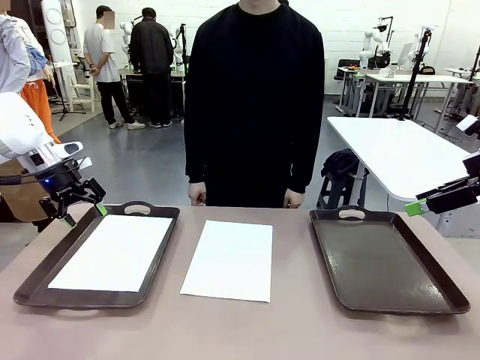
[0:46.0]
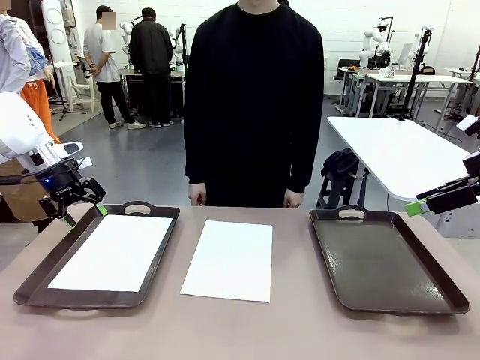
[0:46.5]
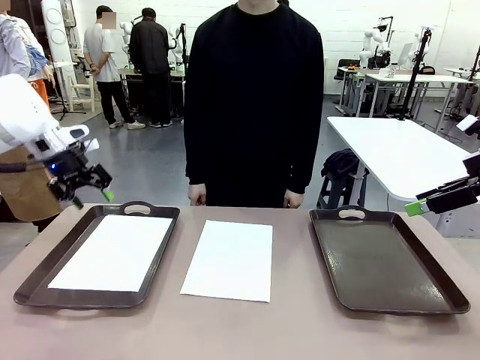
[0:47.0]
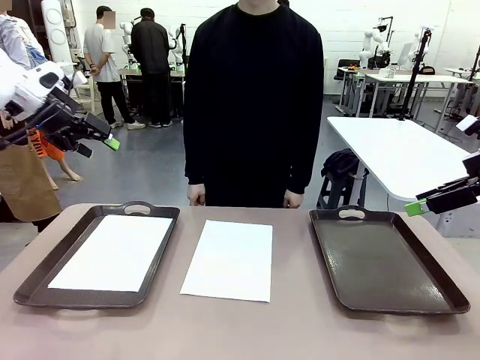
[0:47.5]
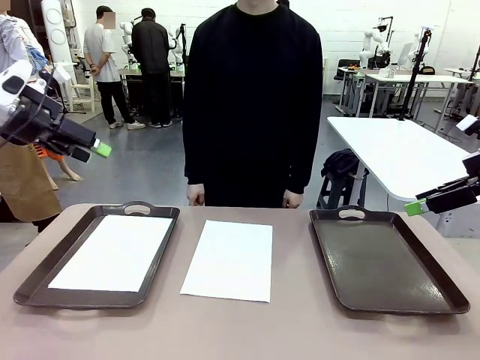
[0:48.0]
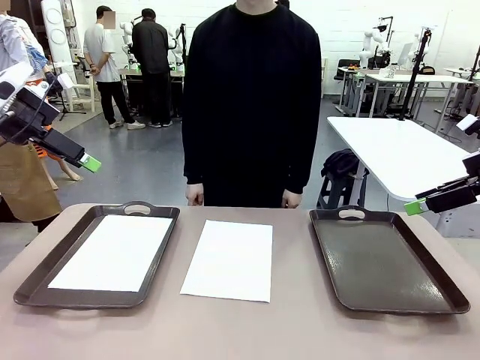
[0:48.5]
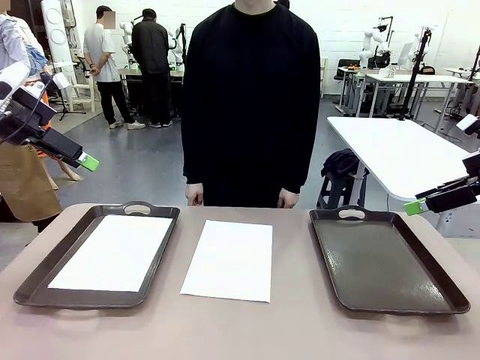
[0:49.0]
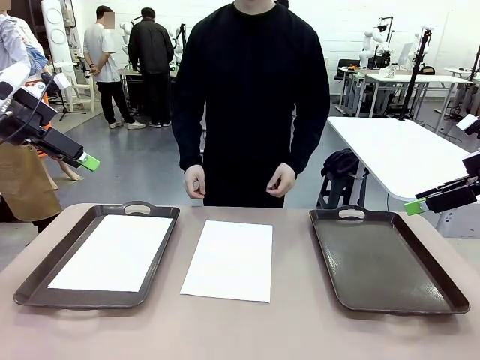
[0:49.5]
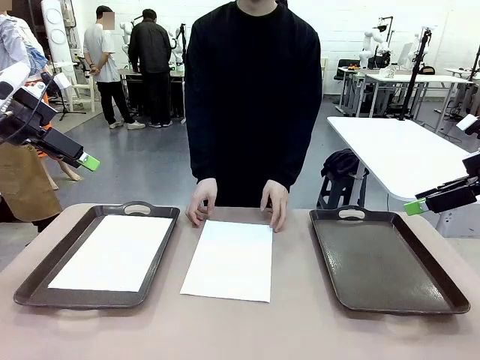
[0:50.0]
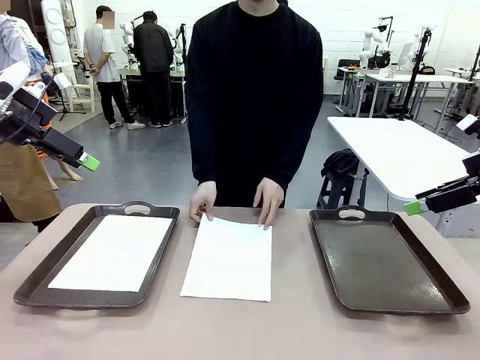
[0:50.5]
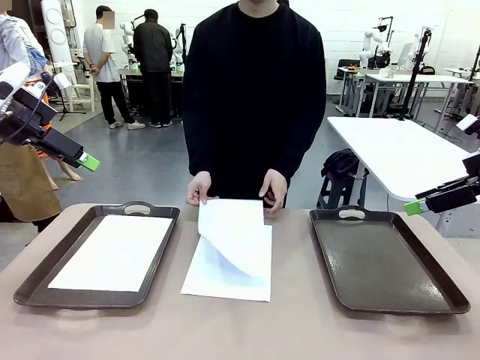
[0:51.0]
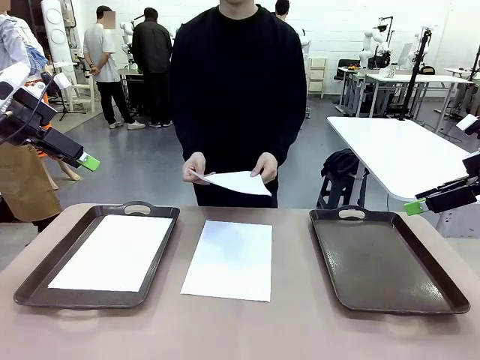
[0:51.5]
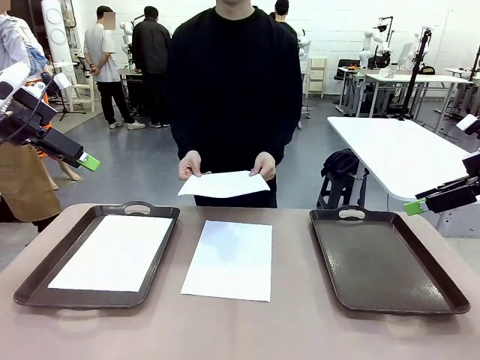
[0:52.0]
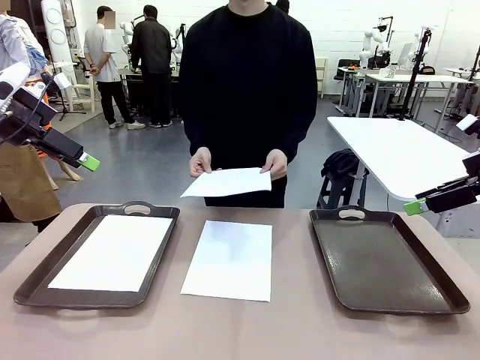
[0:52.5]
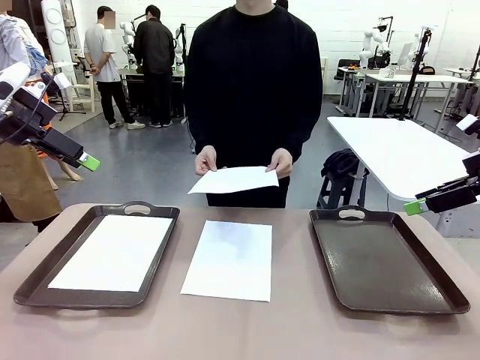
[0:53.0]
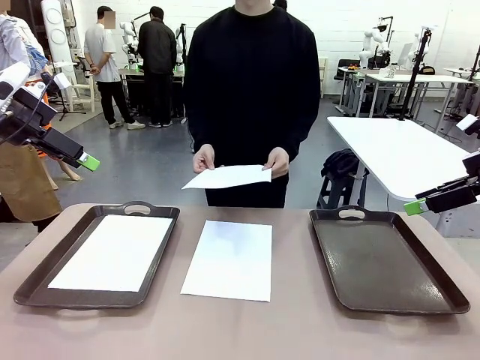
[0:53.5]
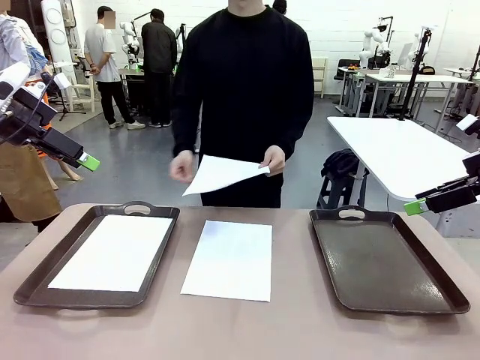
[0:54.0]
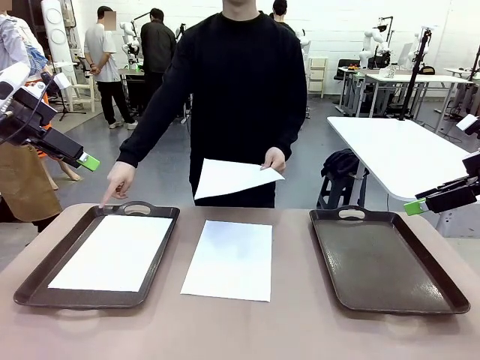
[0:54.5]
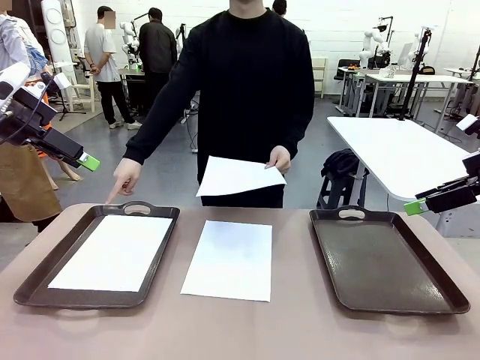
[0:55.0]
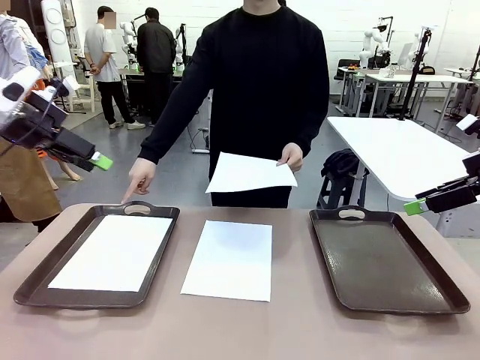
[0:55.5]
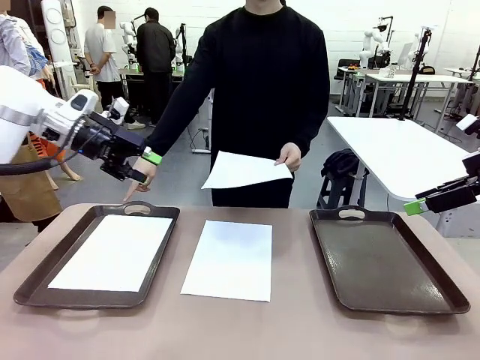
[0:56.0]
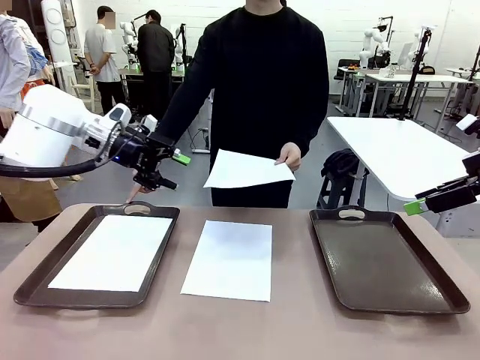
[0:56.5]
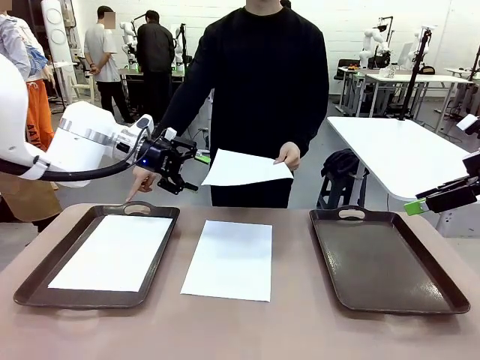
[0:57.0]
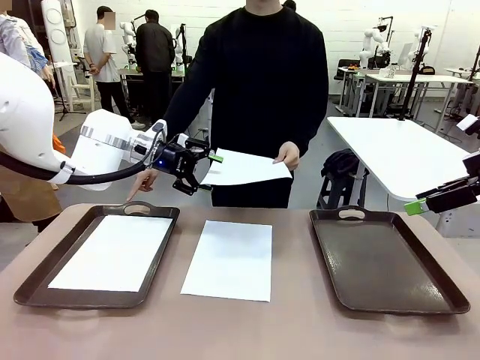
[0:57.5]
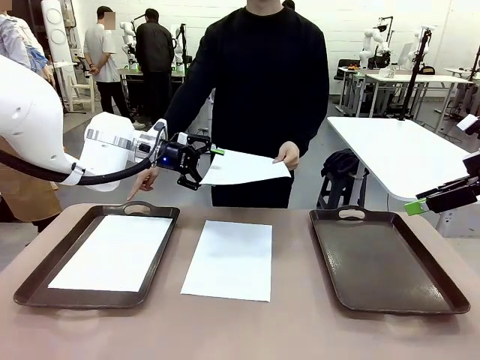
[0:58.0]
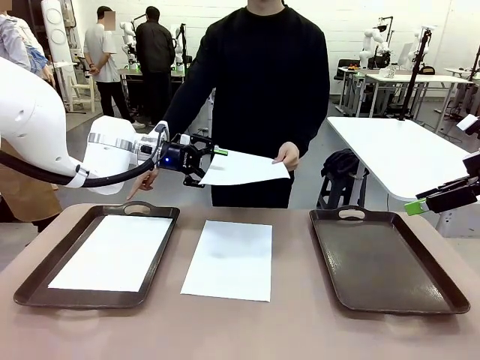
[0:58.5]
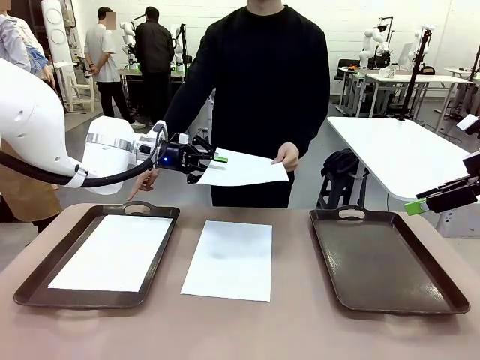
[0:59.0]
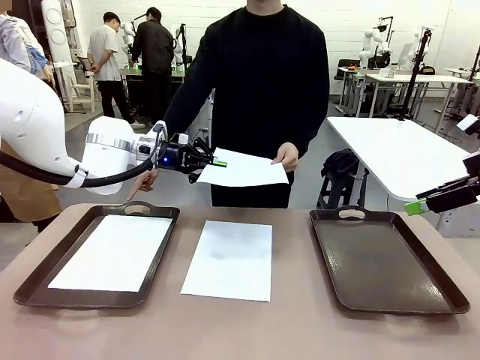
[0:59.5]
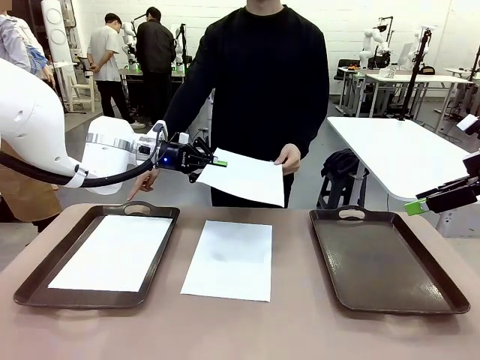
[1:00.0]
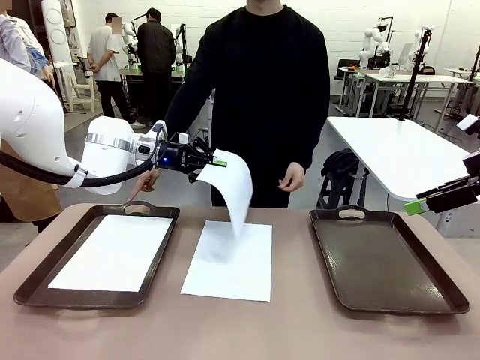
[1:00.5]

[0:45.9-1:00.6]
Task: Sort the A4 documents.
Robot: Receive the A4 Paper.
Person: Point the randomly selected tray with the other hand.

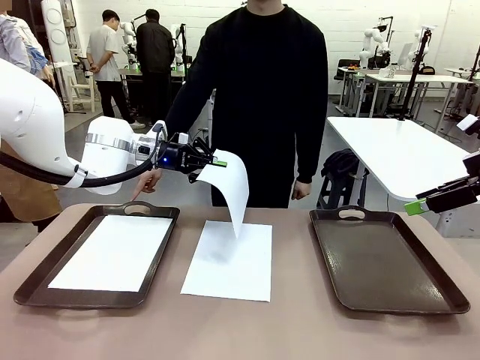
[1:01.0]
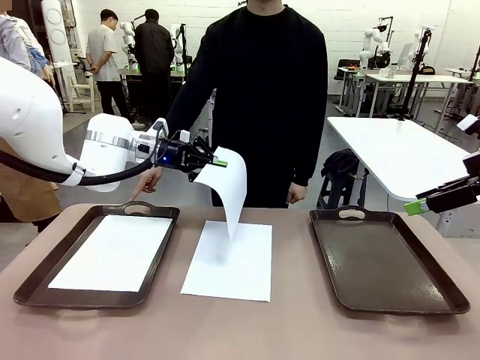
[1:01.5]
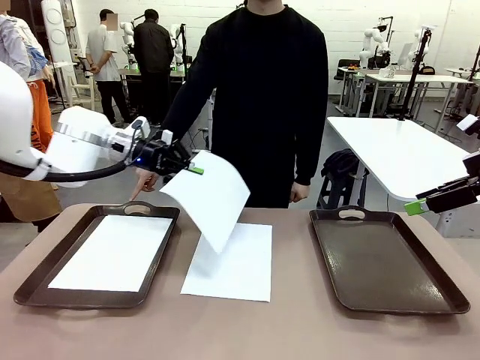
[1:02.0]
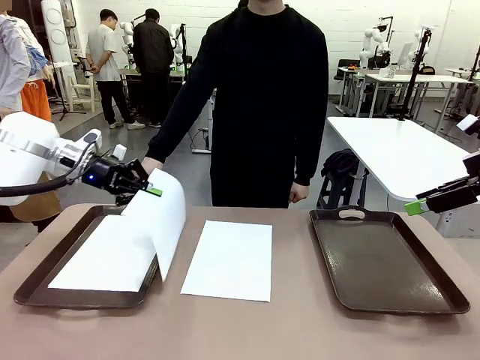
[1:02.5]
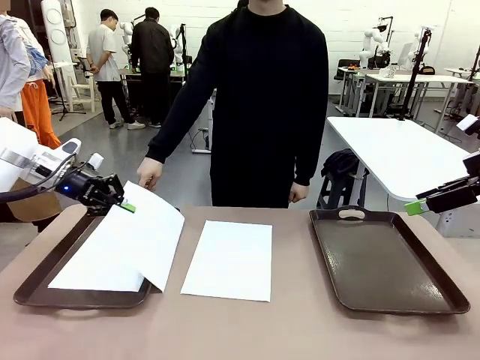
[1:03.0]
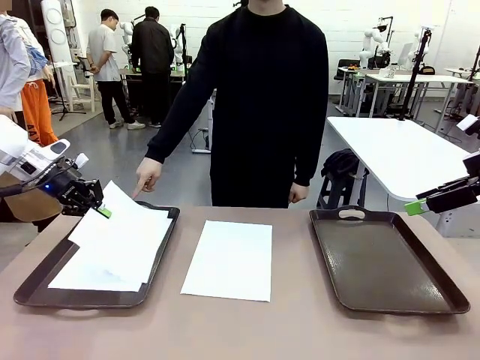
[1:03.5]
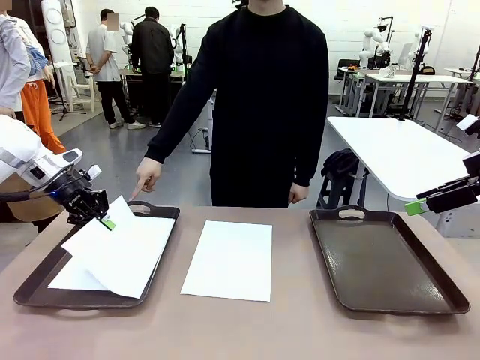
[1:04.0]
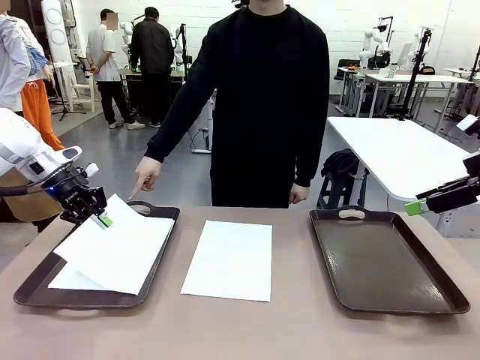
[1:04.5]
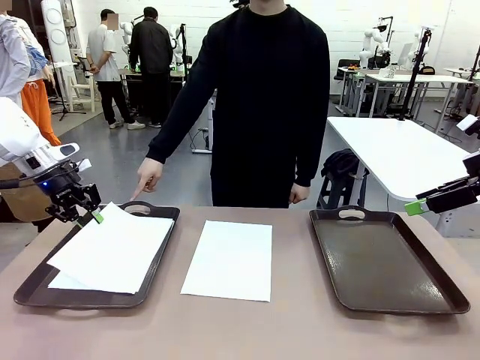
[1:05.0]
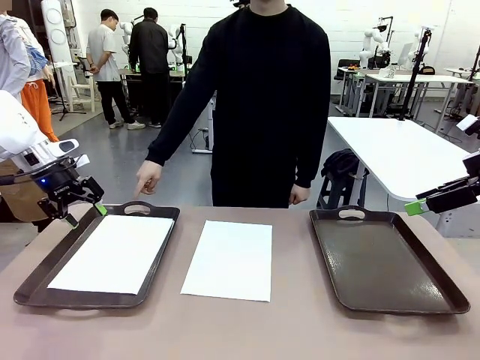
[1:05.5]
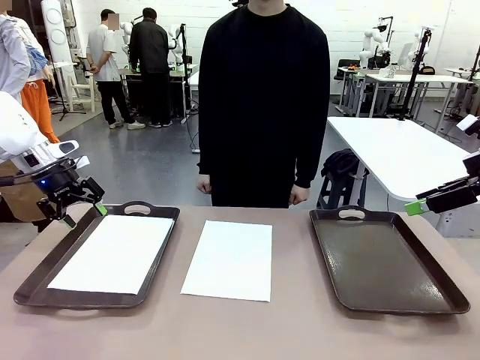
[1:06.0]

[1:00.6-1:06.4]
Robot: Place the A4 Paper in the designated Handle tray.

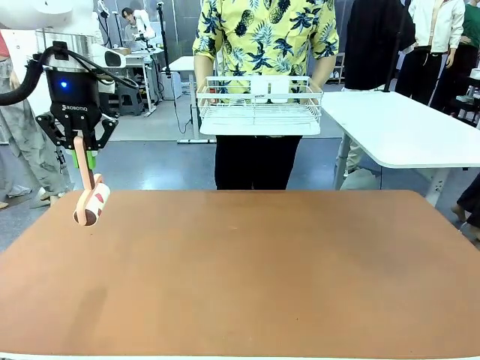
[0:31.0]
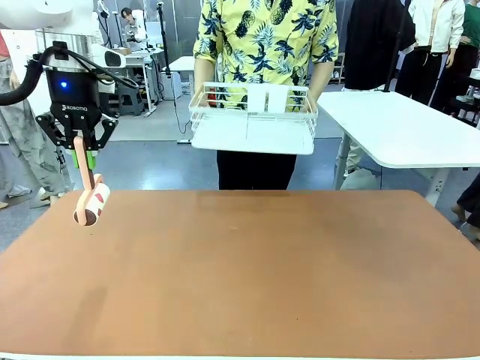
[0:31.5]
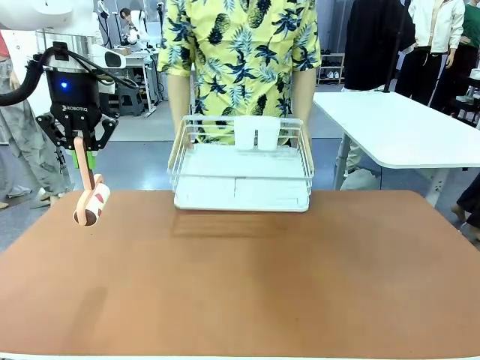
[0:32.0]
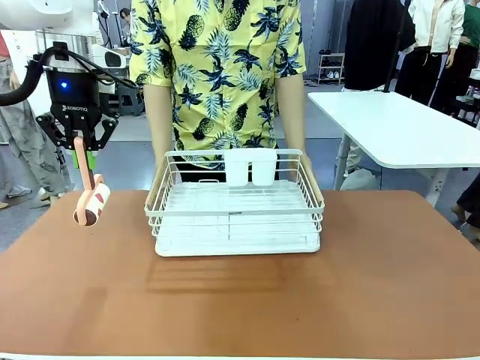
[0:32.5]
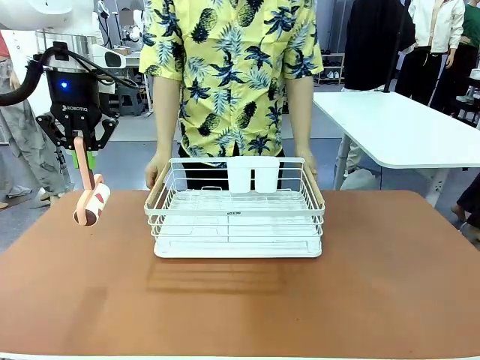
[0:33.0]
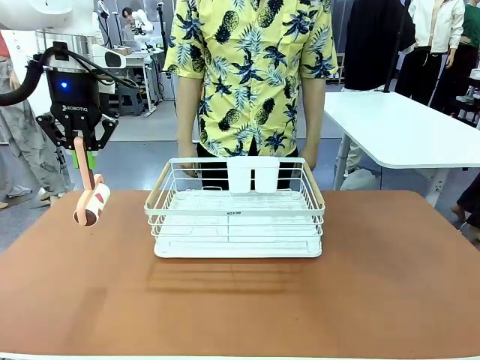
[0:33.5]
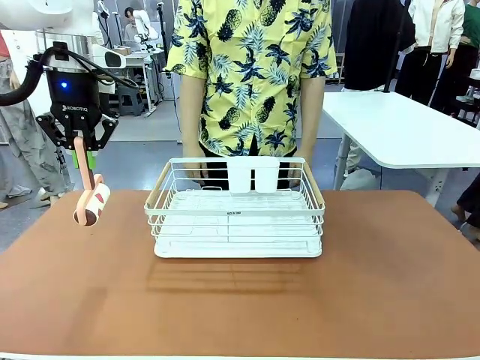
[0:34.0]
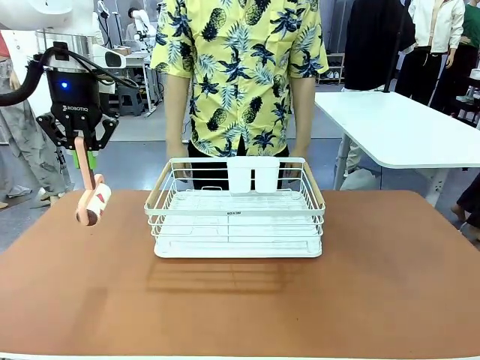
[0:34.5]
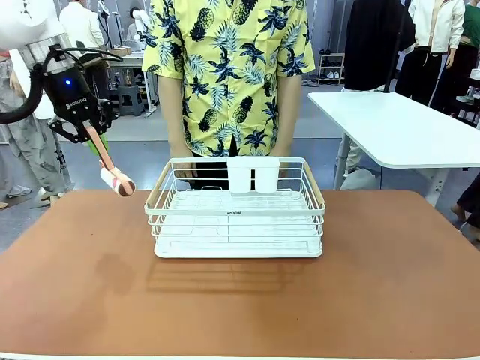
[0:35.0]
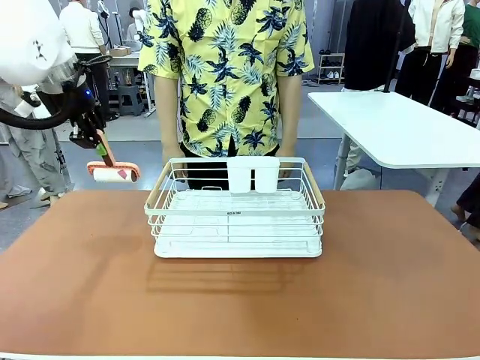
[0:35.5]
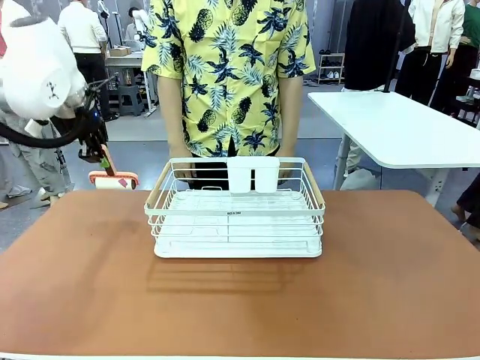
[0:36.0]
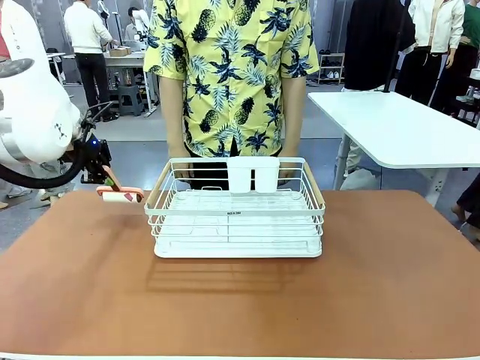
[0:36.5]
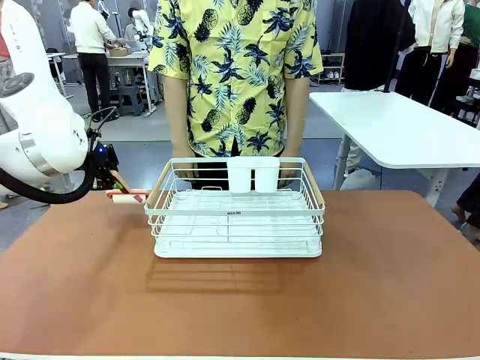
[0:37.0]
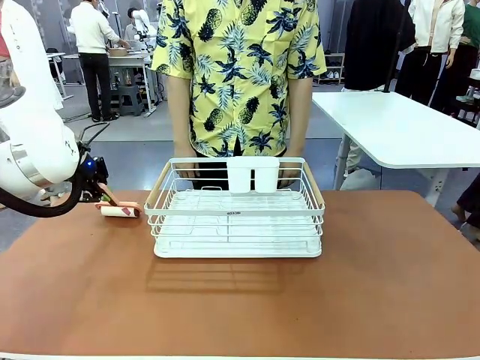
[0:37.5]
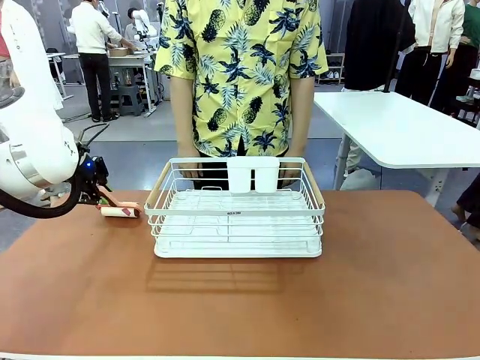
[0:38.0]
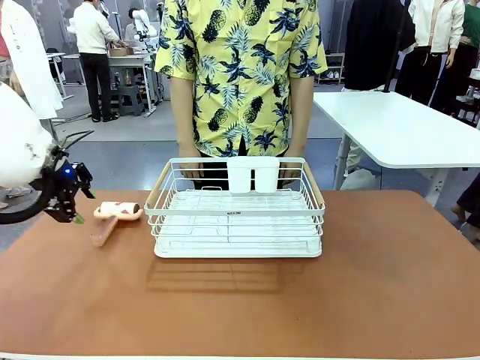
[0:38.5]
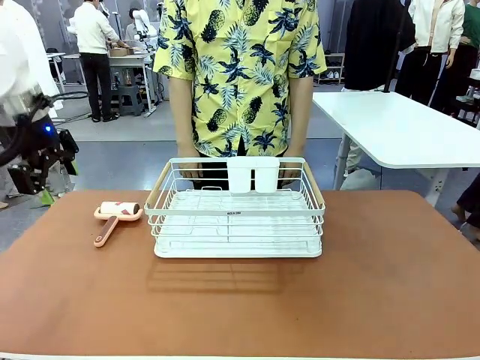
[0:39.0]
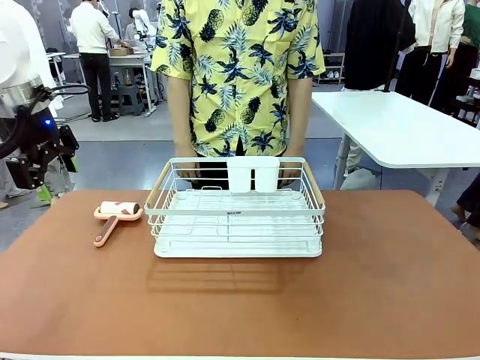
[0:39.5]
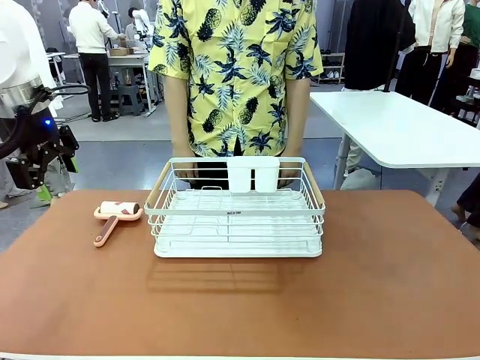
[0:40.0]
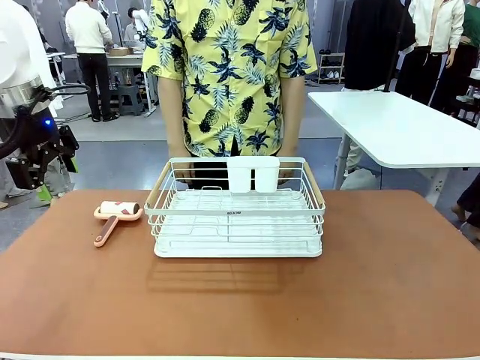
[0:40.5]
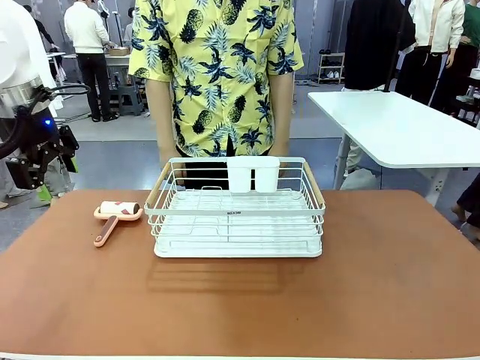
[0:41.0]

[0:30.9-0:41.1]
Task: Clean the table.
Robot: Place the Lint Roller down when the Dish drying rack is positioned in the middle of the table.
